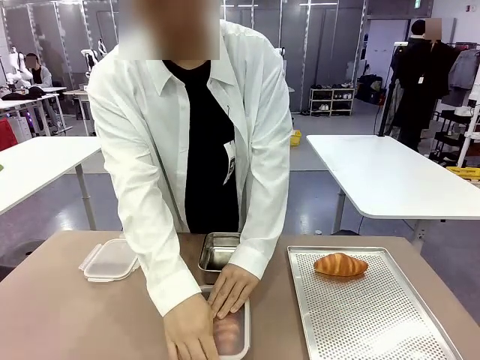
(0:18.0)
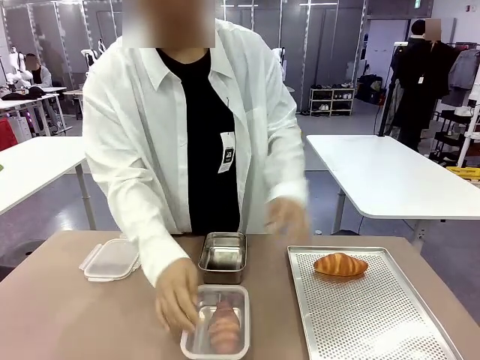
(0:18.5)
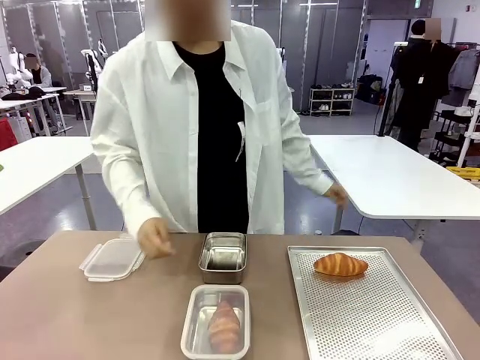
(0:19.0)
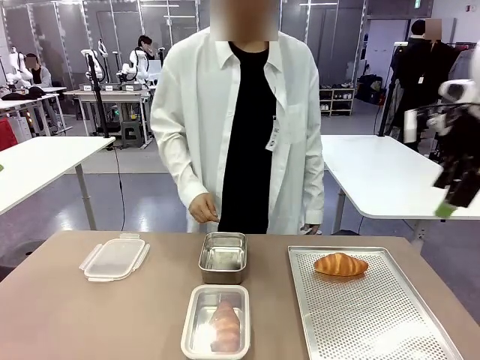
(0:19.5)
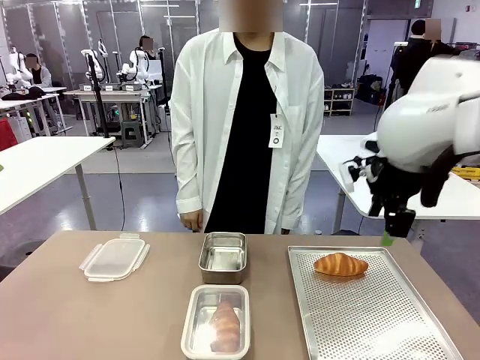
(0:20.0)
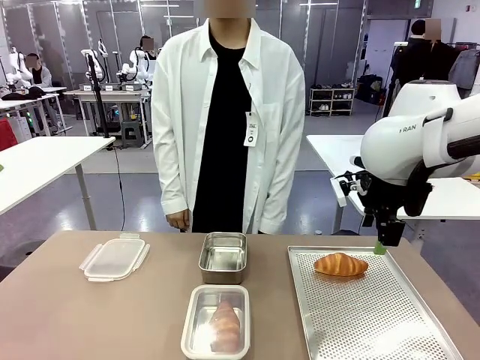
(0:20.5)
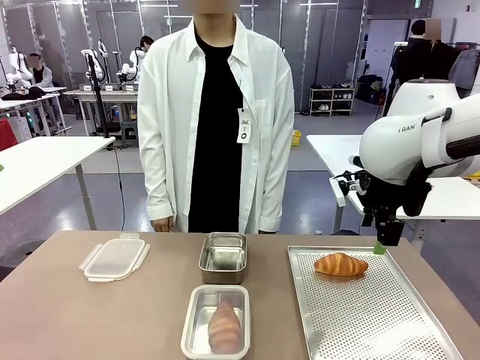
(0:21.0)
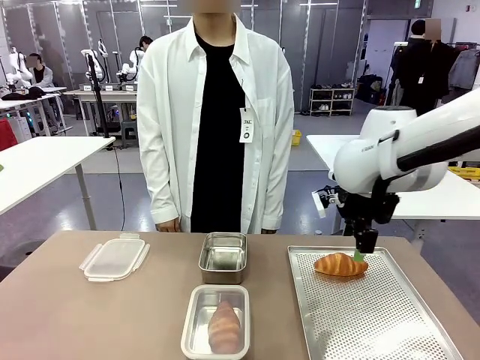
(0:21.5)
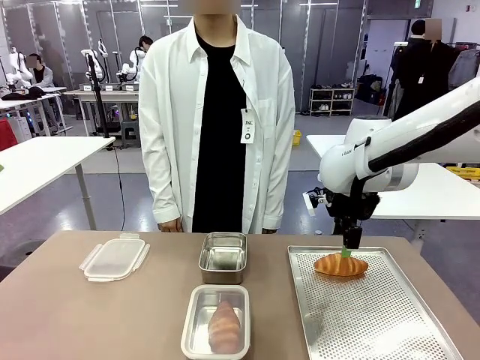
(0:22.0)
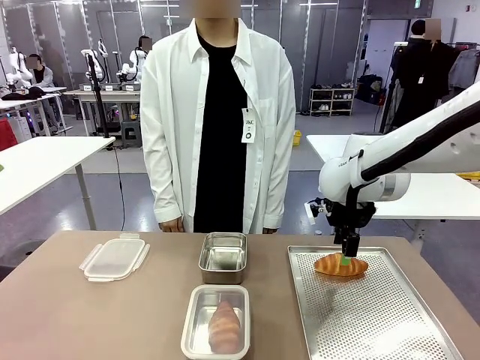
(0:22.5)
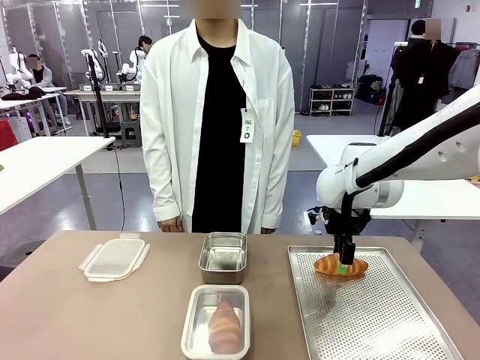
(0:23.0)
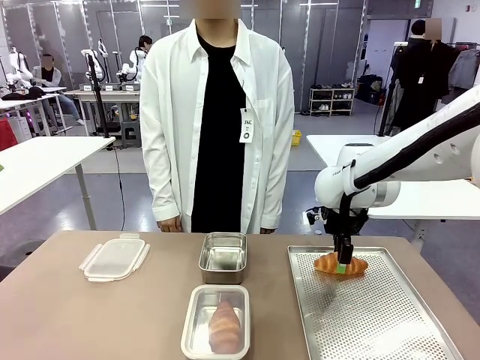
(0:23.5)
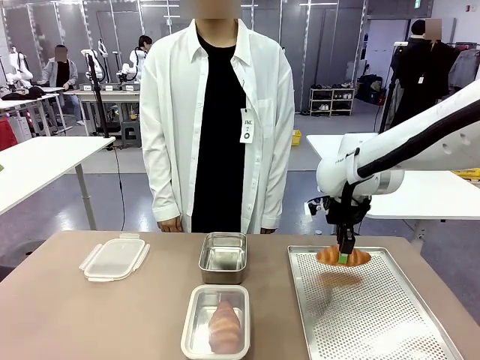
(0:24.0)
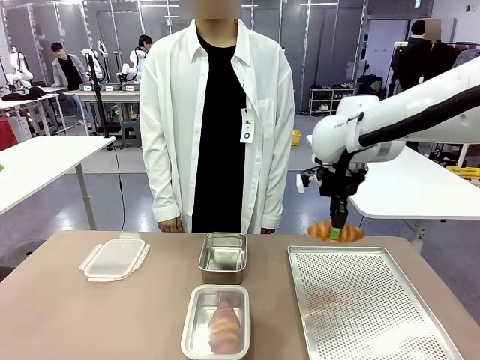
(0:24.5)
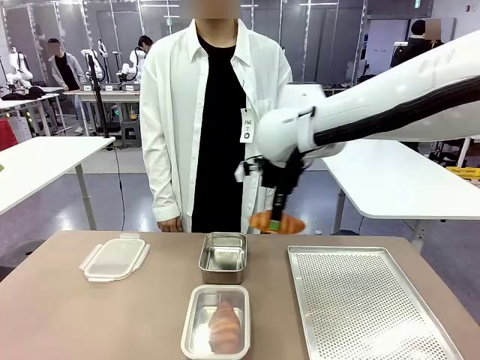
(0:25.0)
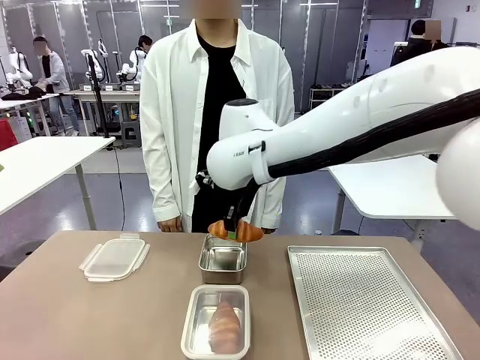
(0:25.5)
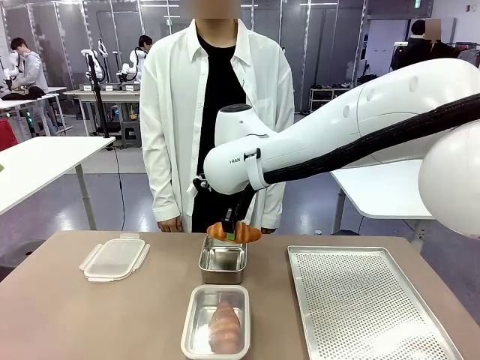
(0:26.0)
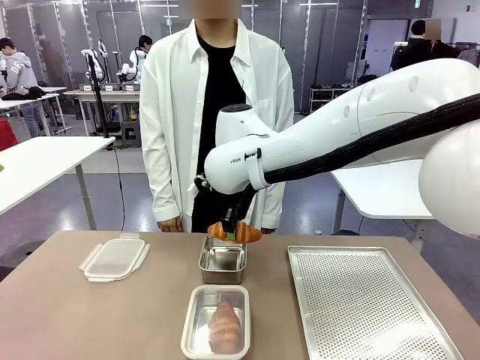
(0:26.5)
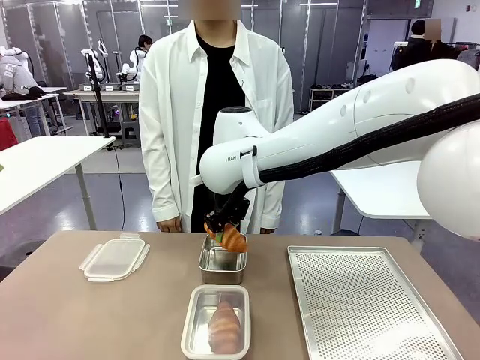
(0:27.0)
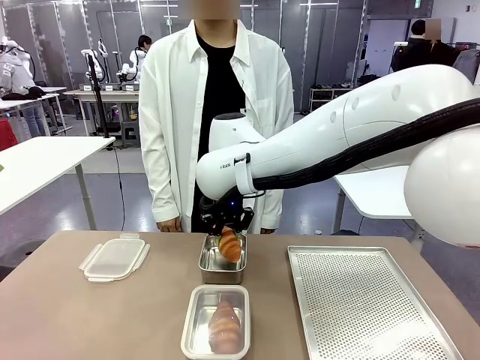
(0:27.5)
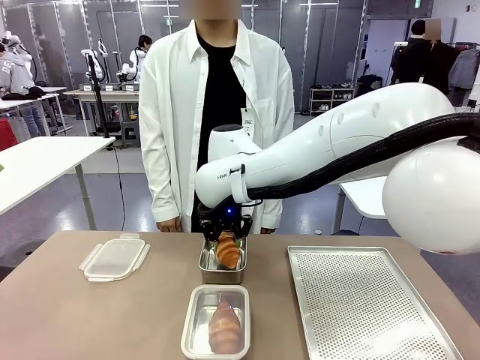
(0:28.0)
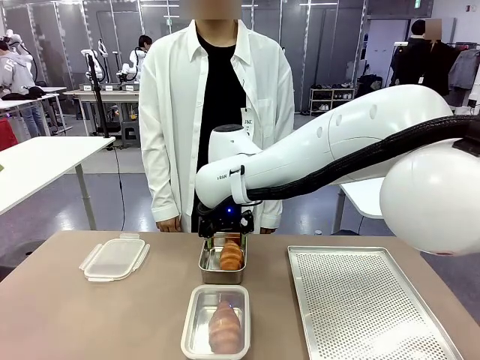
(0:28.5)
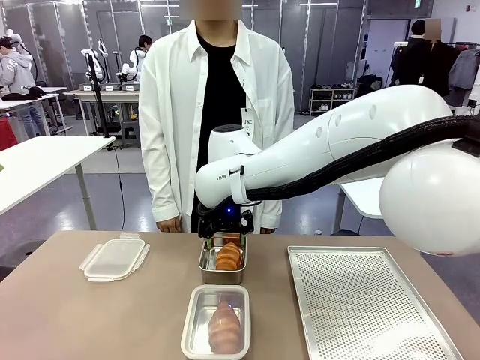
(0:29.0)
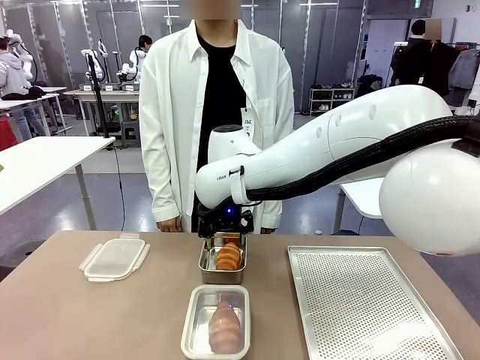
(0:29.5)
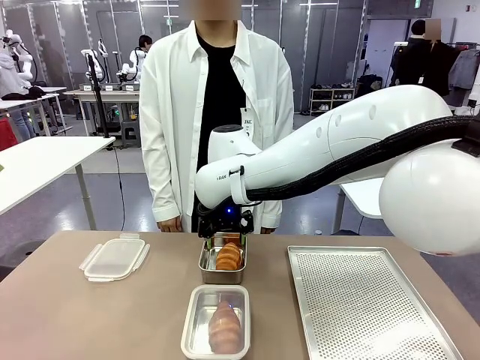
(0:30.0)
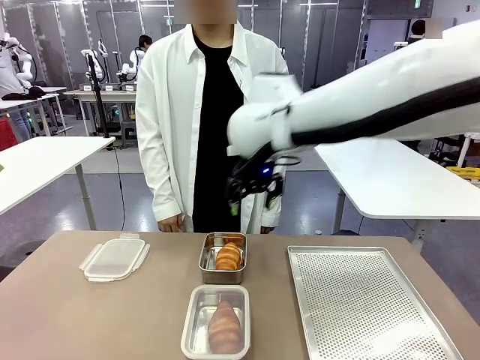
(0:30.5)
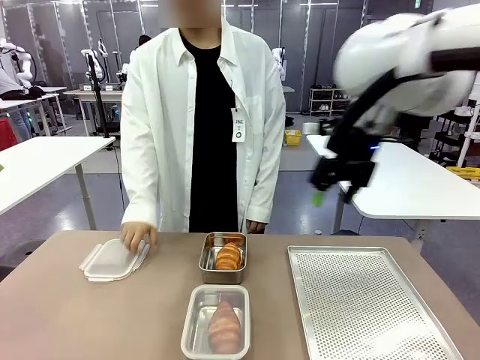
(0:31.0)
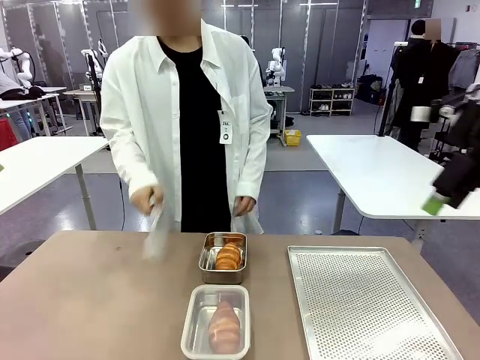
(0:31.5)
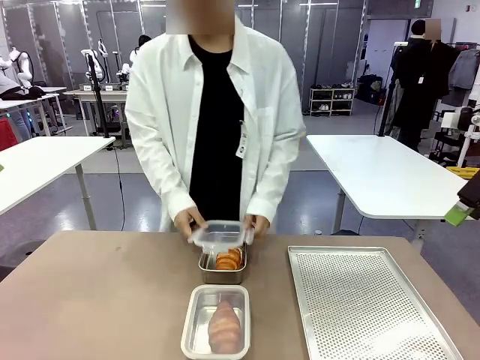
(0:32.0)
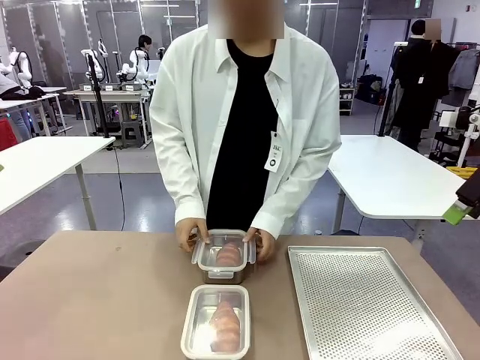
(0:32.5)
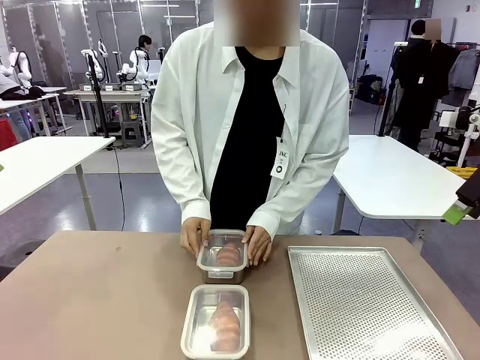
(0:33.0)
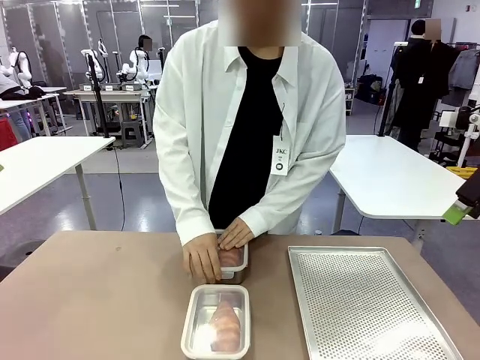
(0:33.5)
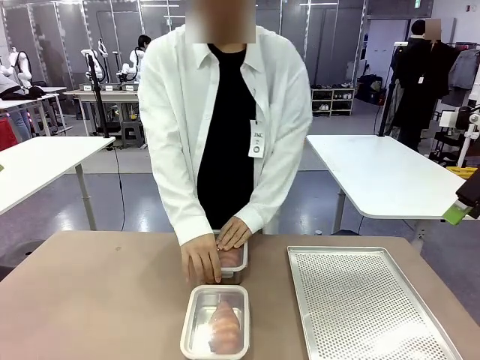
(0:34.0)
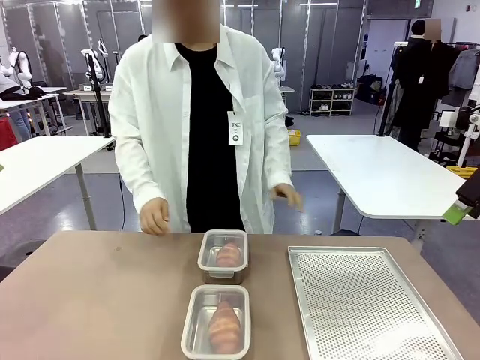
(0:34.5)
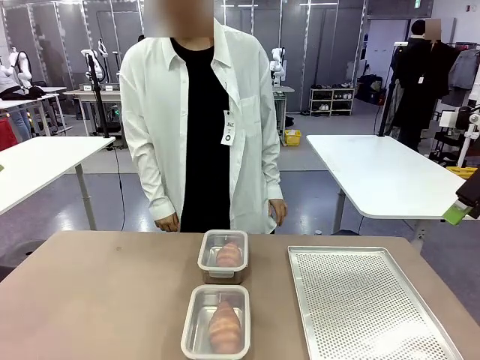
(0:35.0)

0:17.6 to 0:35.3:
Task: Place the bread into the airtight container.
Robot: Pick up a Butter Roll and place it into an empty Airtight Container.
Person: Once a Butter Roll is inside an Airtight Container , close the lid of that Airtight Container.

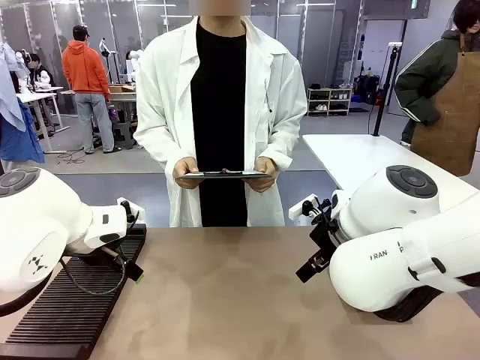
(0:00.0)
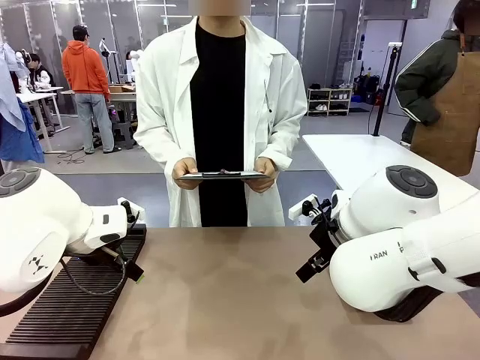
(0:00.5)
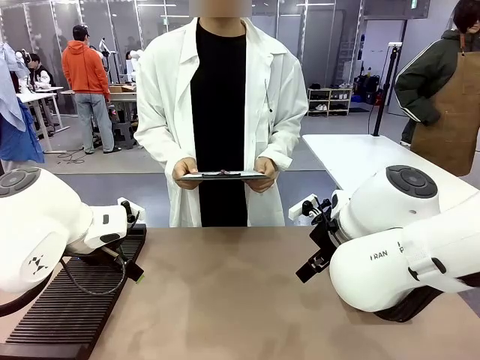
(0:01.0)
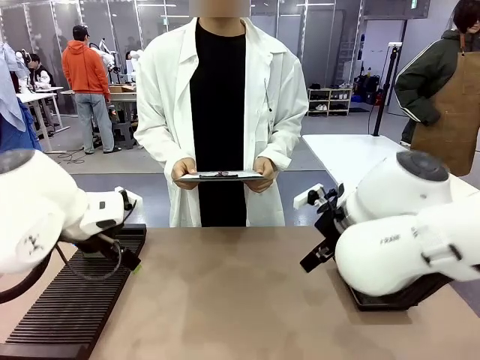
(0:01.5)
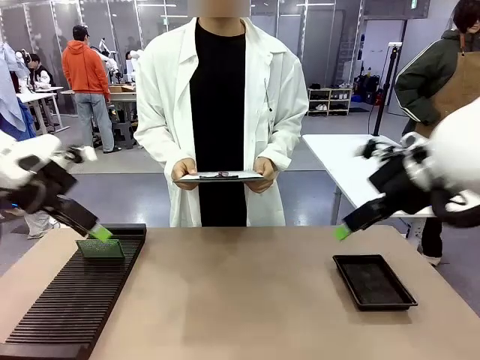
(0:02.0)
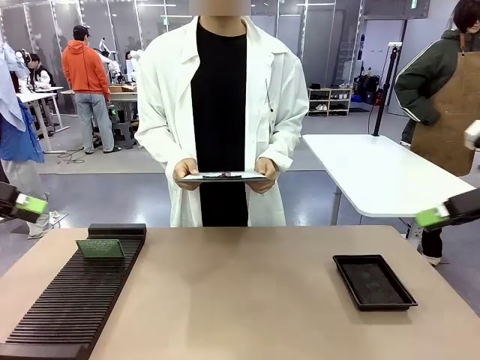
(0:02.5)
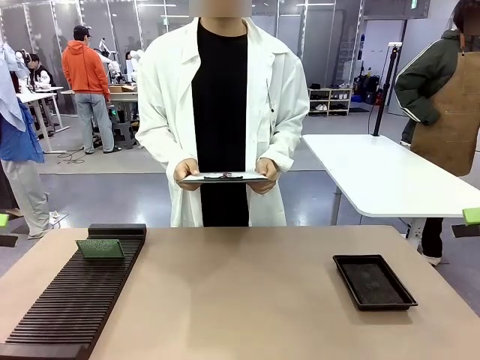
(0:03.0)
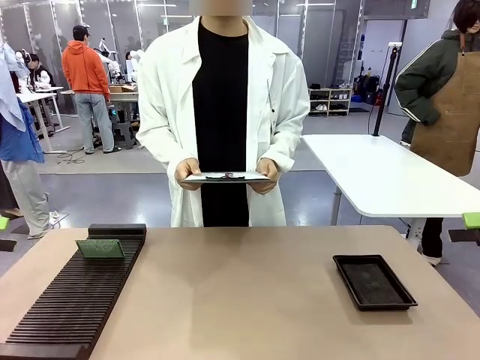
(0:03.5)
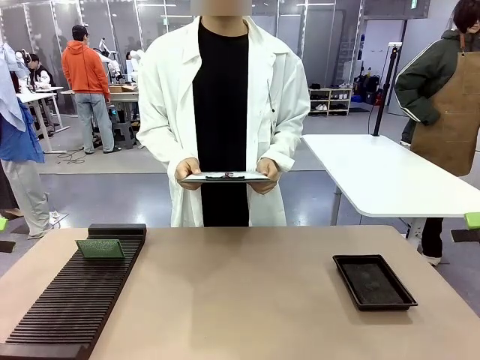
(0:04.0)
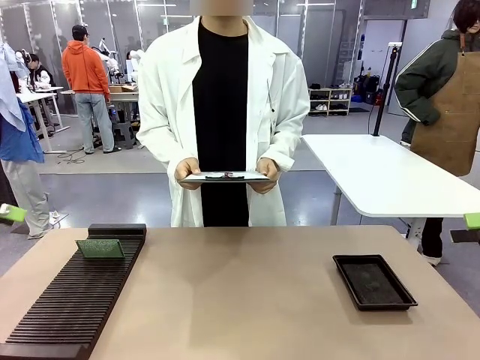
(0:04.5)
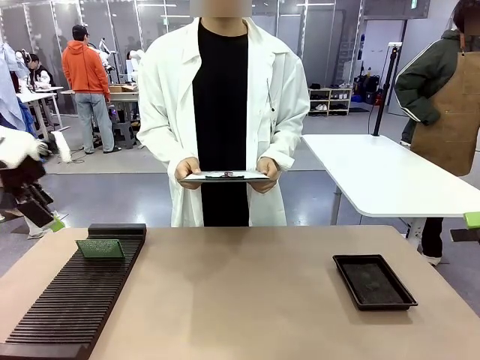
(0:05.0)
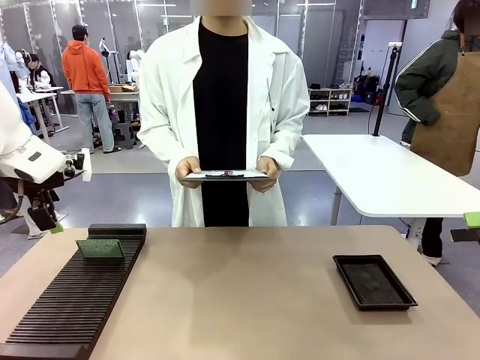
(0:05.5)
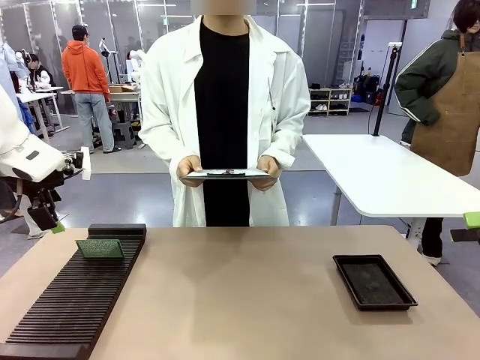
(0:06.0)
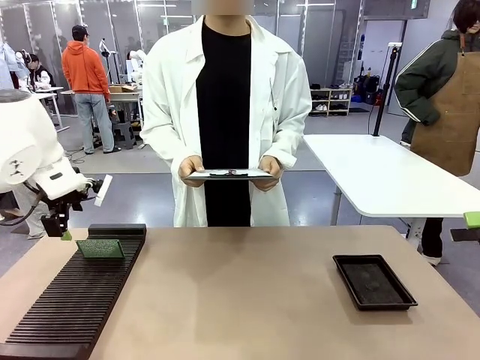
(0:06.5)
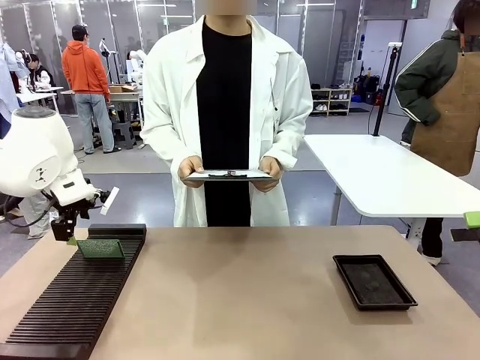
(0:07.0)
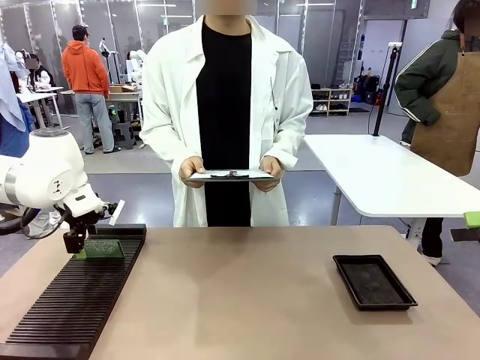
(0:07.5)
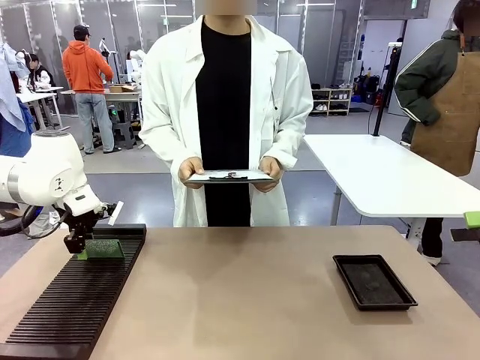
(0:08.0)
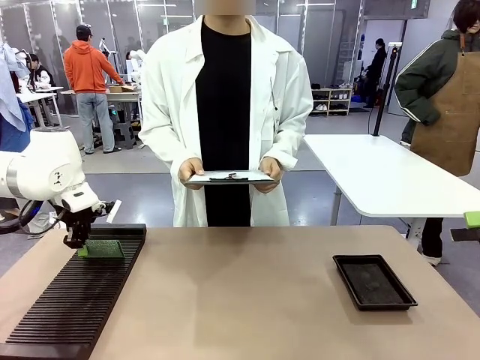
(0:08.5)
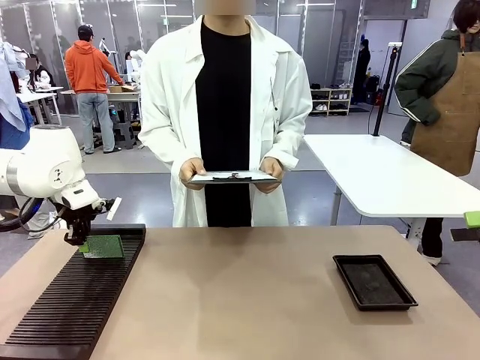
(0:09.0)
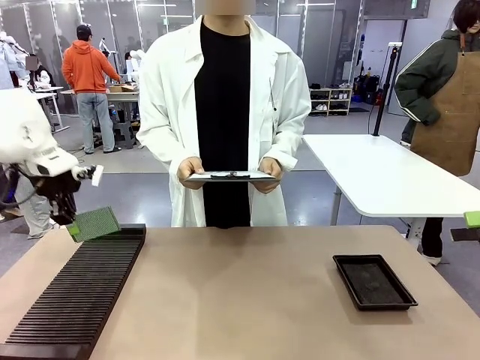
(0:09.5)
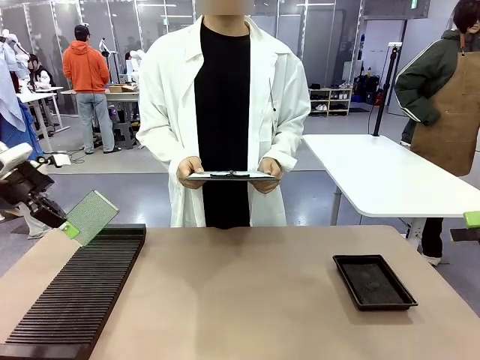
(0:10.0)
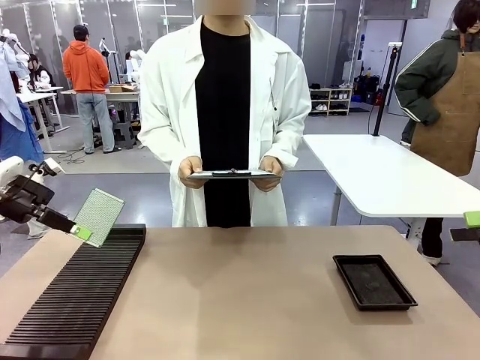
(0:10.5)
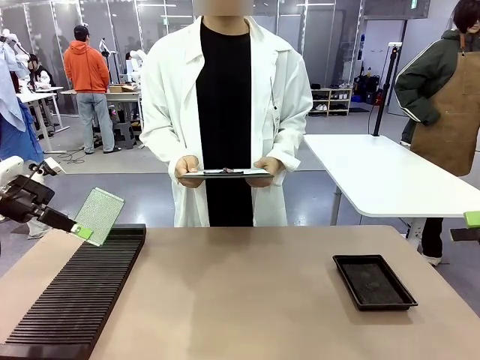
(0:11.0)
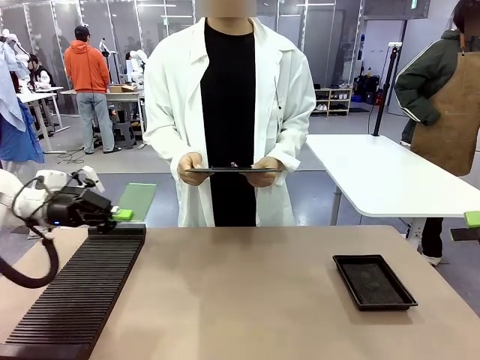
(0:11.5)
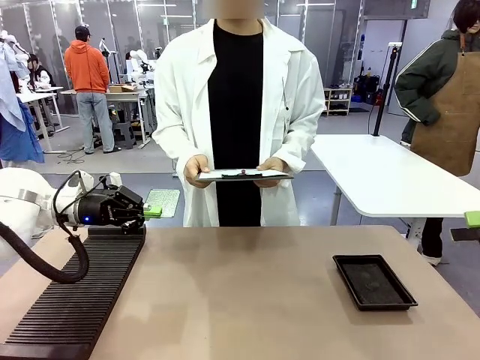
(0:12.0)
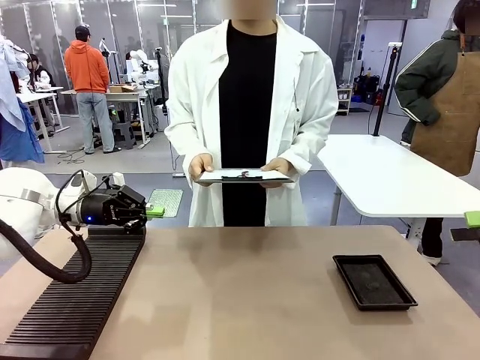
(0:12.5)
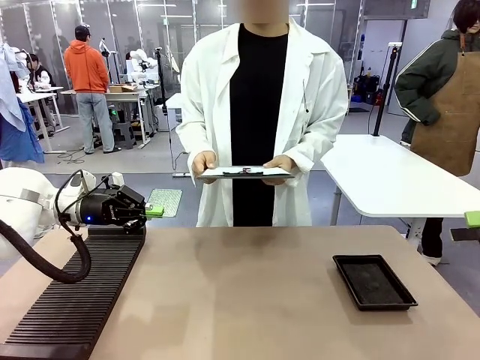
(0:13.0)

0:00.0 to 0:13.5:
Task: Inspect the PCB.
Robot: Pick up the Blank PCB and present it to the human.
Person: Pick up the PCB presented by the robot.
